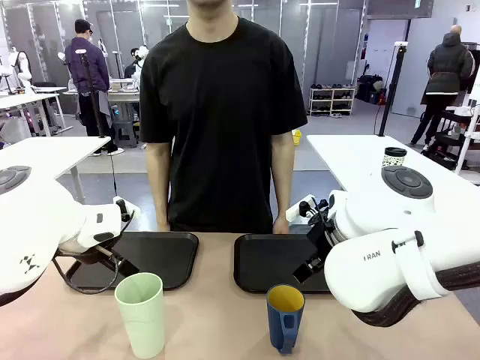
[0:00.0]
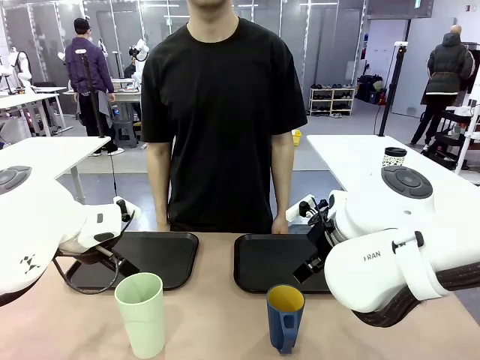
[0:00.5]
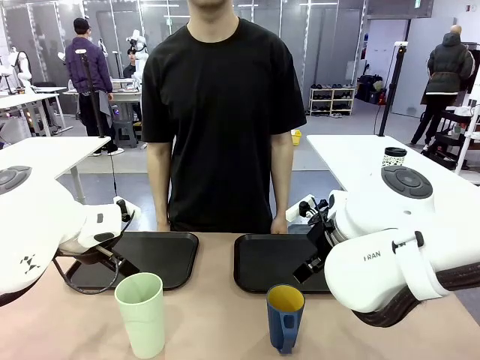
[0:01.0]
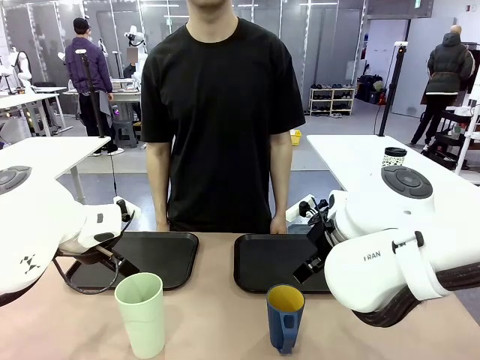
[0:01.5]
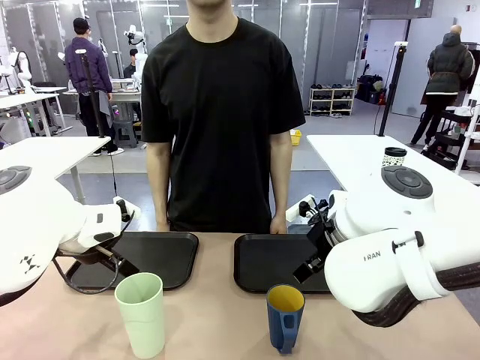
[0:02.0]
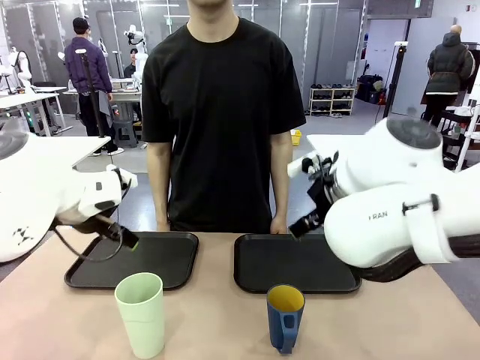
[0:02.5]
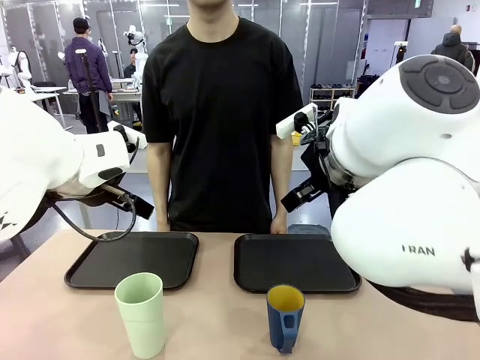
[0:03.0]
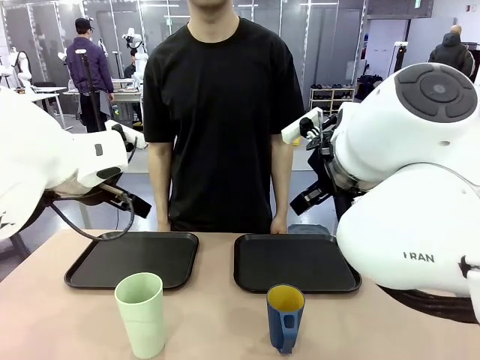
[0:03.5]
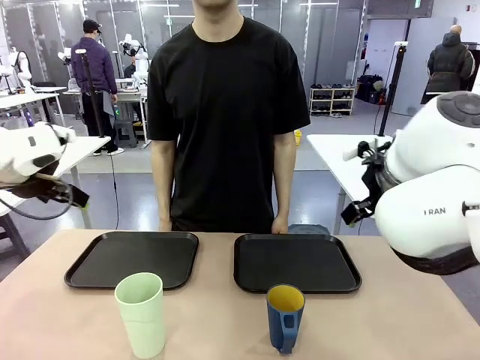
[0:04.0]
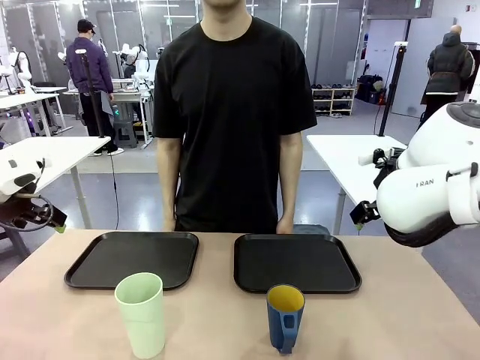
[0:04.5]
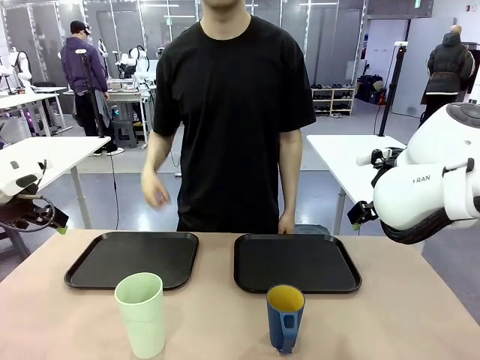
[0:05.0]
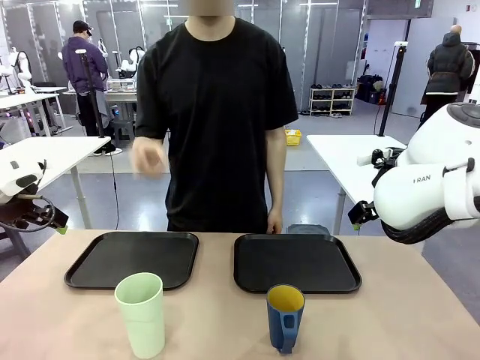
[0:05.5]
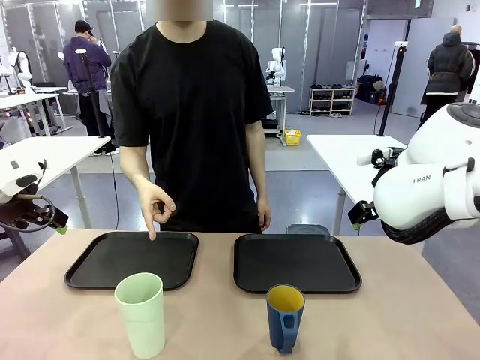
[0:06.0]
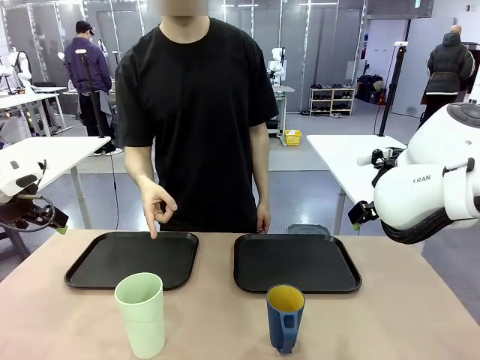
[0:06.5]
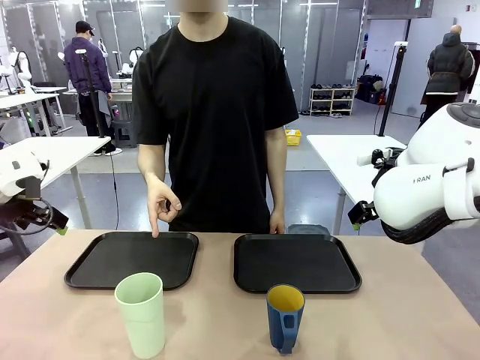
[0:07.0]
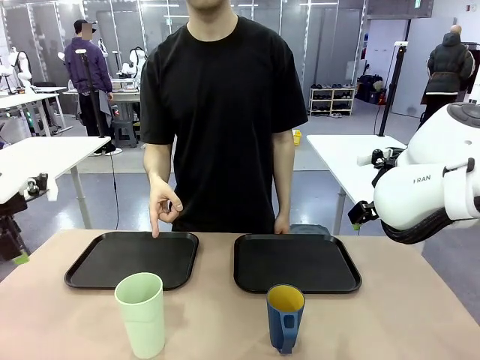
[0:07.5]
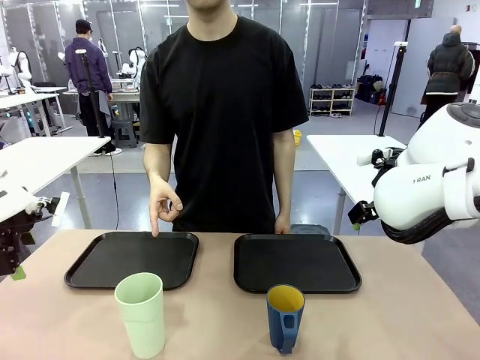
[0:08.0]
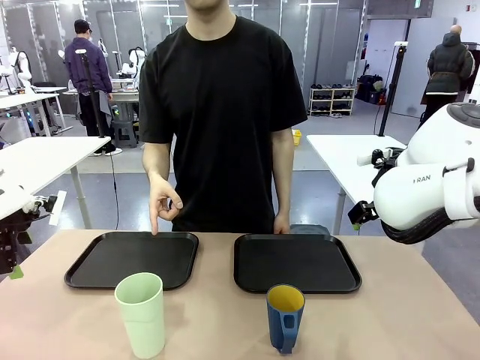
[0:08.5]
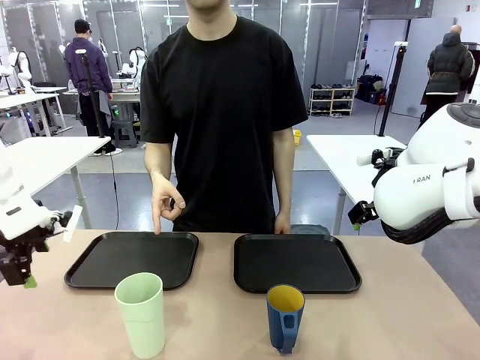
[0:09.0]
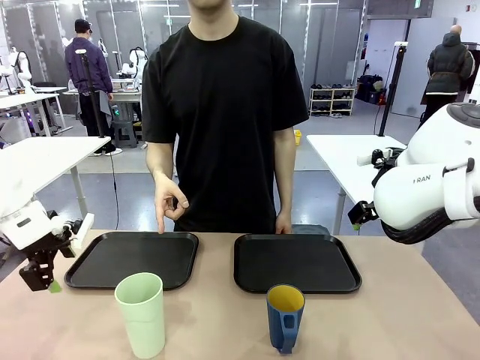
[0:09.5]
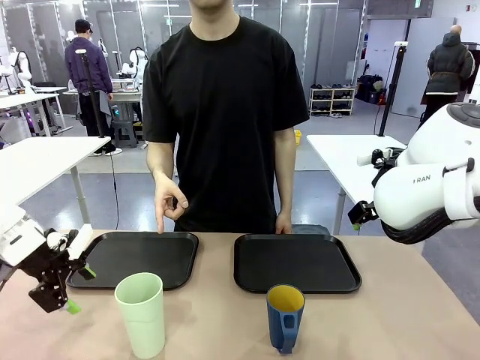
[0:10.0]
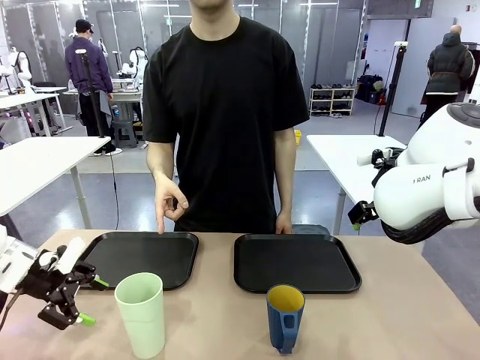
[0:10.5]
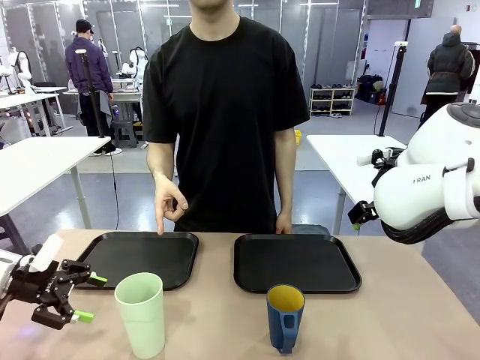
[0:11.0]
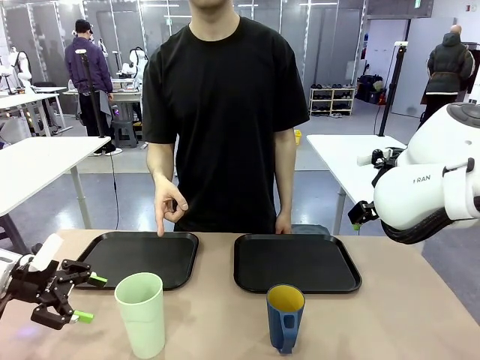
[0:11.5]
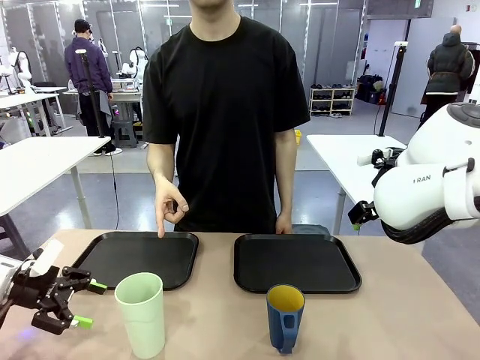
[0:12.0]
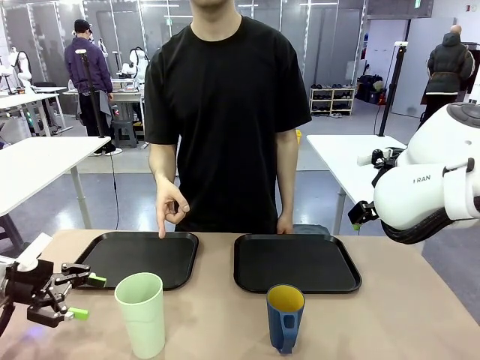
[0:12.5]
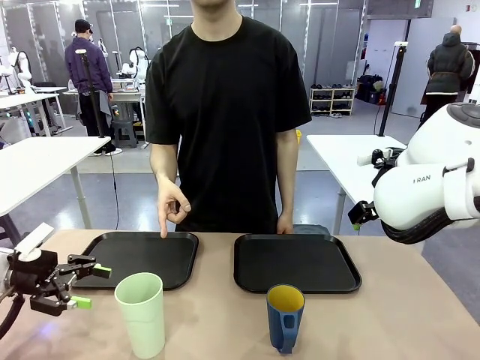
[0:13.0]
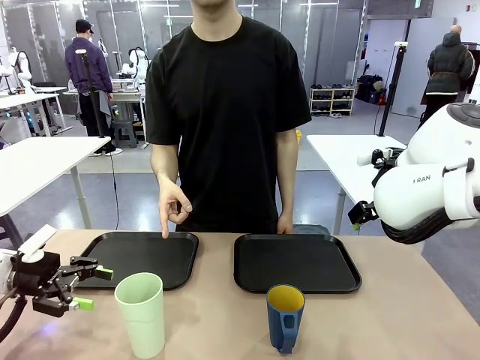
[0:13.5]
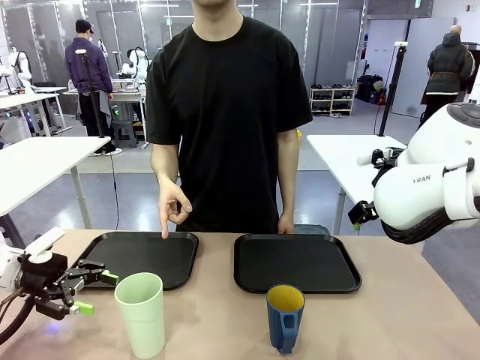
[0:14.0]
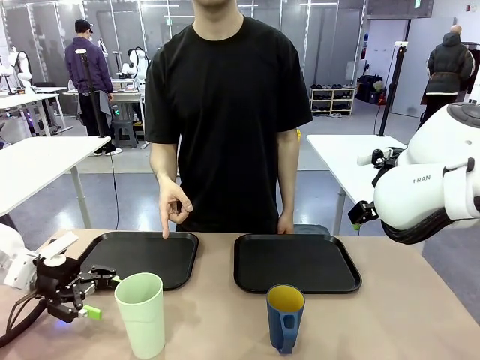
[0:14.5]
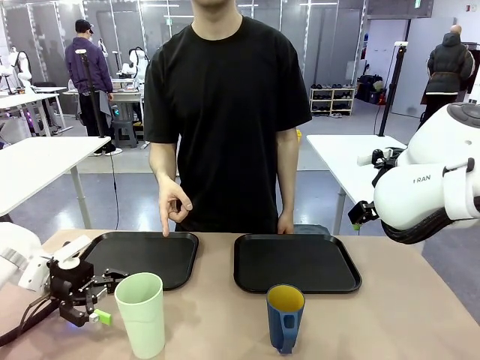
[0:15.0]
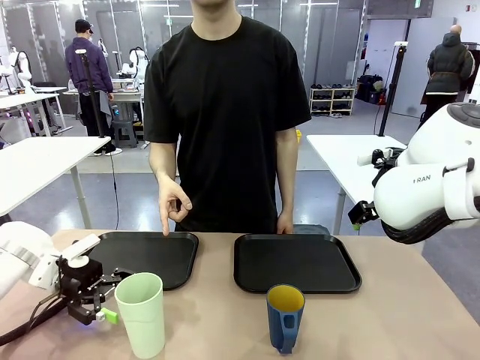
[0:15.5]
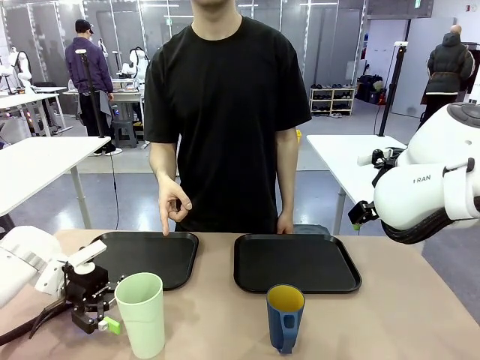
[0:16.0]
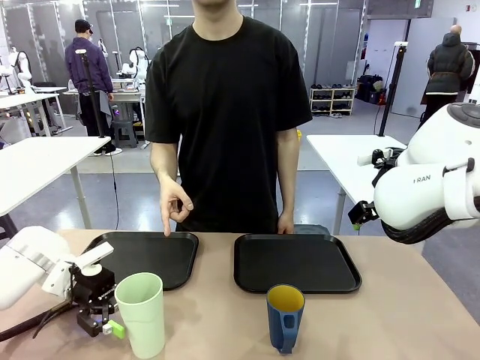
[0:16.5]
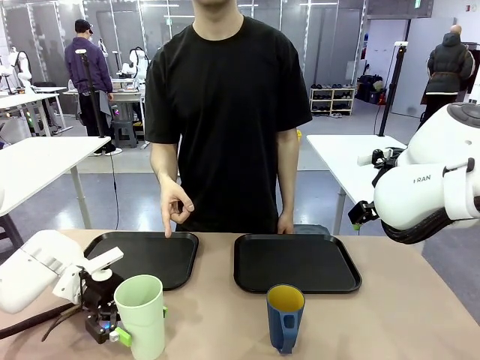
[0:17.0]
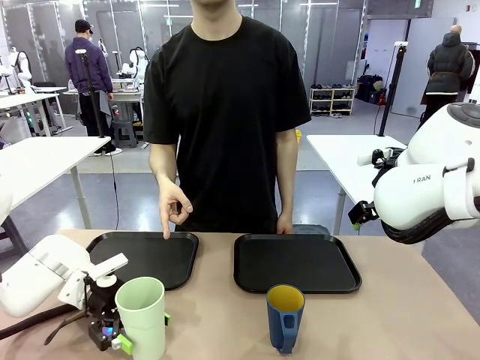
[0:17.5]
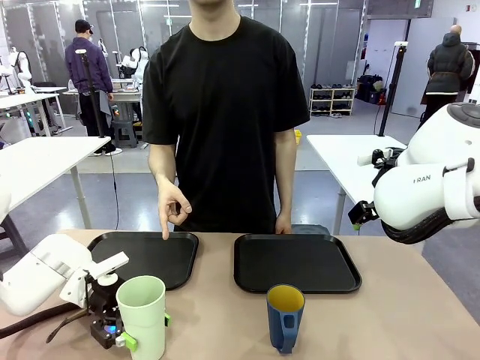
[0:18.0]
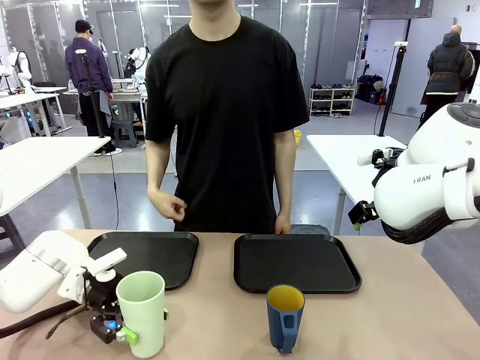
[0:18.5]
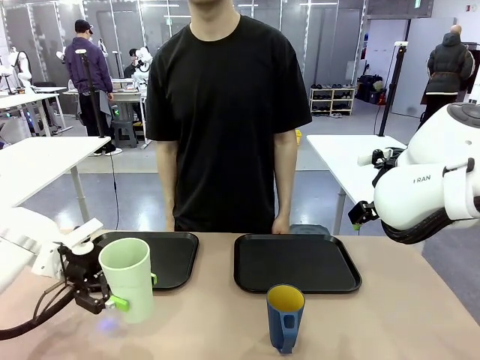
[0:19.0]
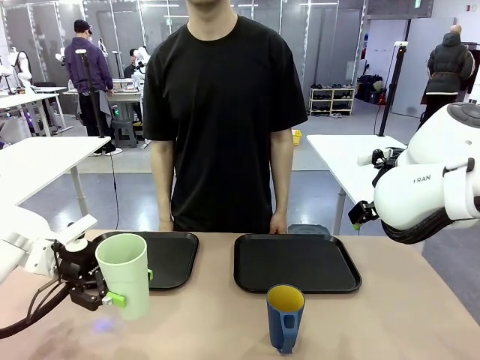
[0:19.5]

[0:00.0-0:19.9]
Task: Sort and store the cups by type.
Robot: Pick up the Reusable plastic cup.
Person: Points to the reusable cup. Point to one of the two trays.

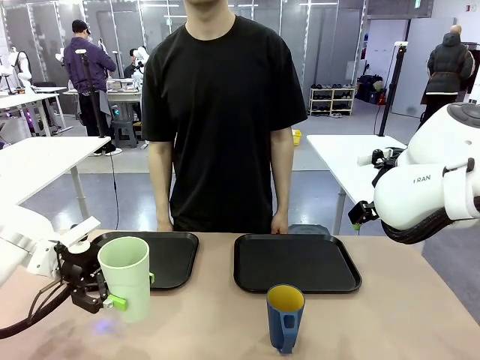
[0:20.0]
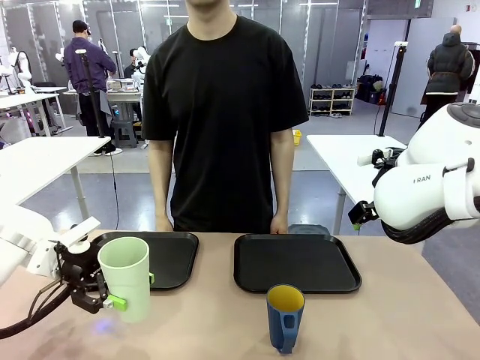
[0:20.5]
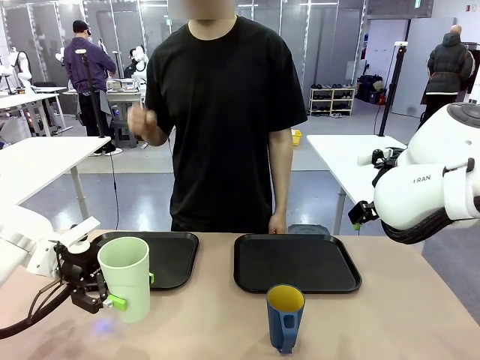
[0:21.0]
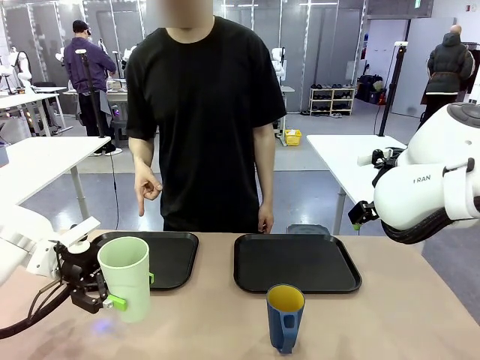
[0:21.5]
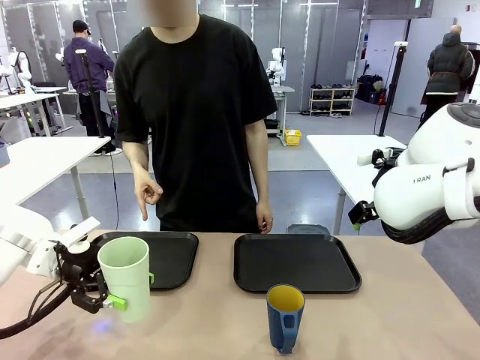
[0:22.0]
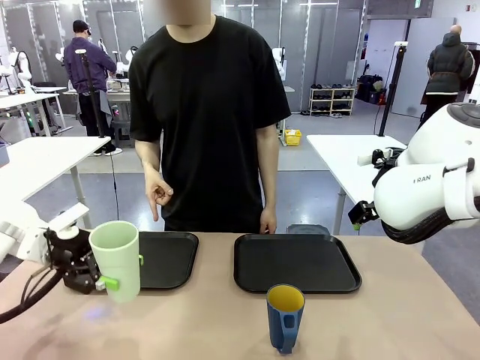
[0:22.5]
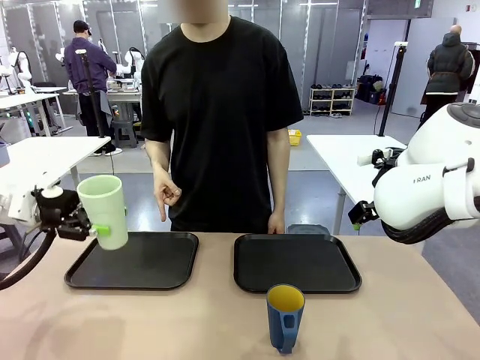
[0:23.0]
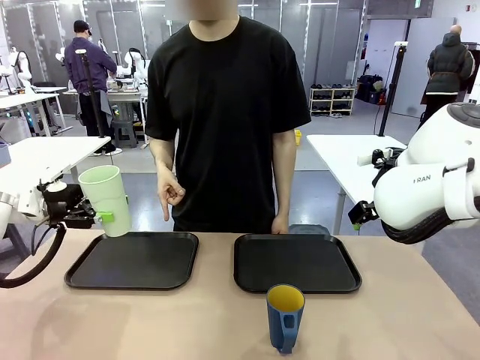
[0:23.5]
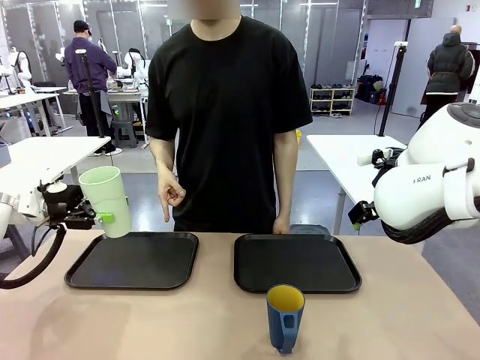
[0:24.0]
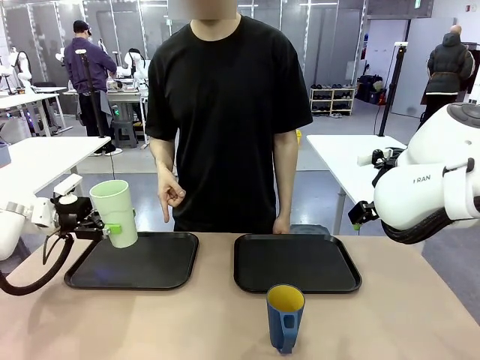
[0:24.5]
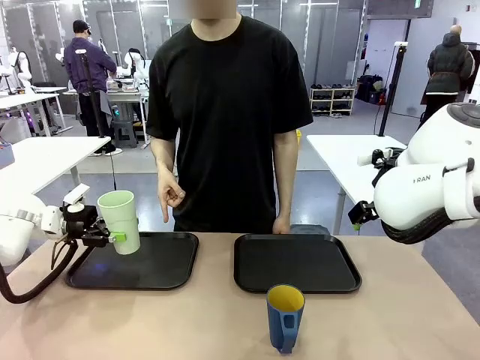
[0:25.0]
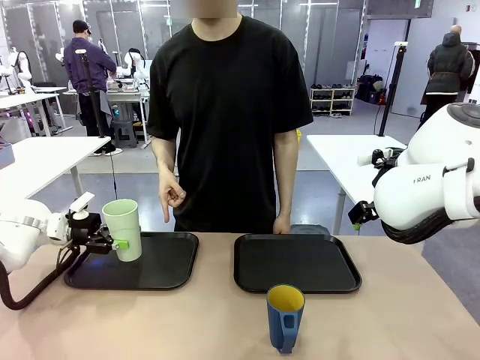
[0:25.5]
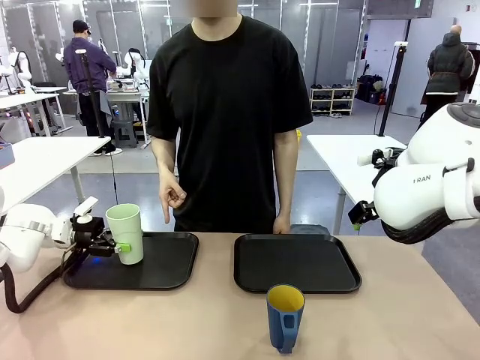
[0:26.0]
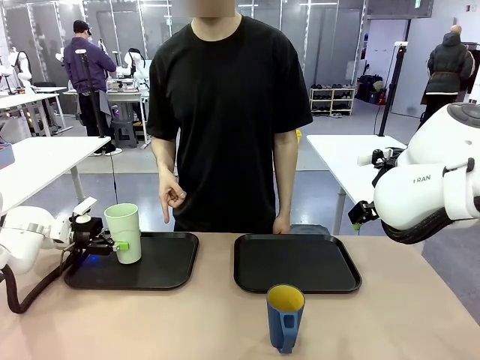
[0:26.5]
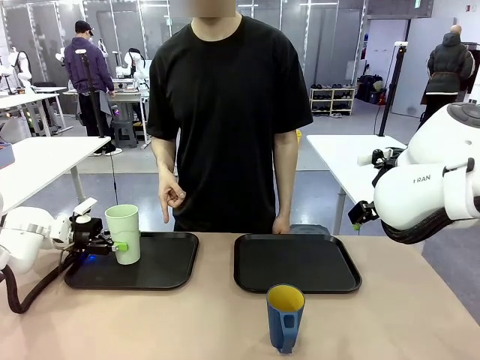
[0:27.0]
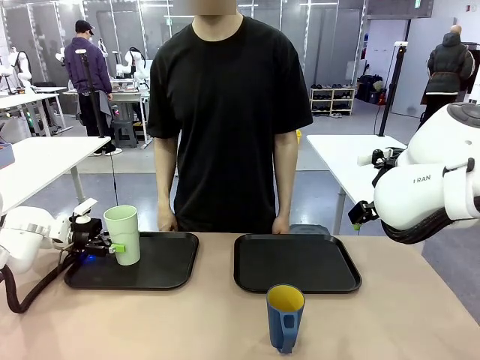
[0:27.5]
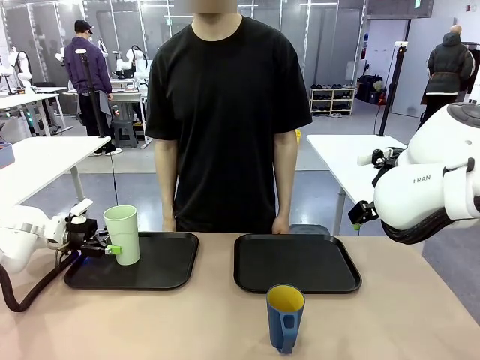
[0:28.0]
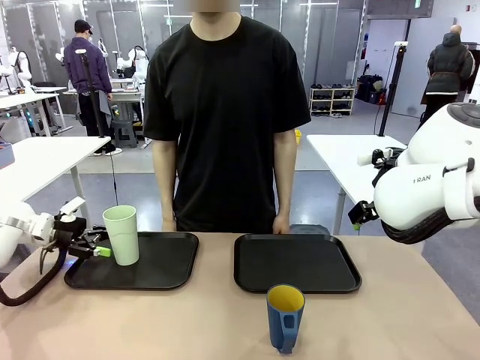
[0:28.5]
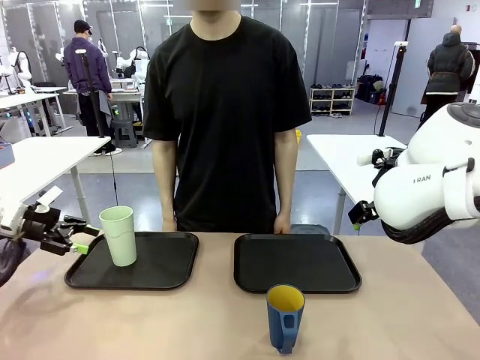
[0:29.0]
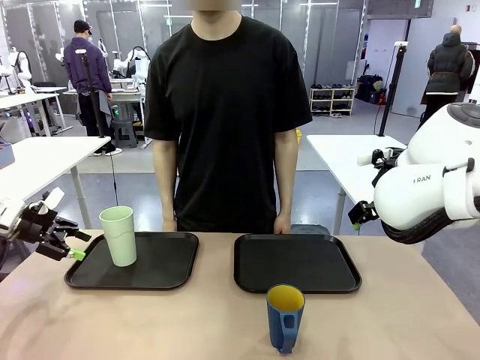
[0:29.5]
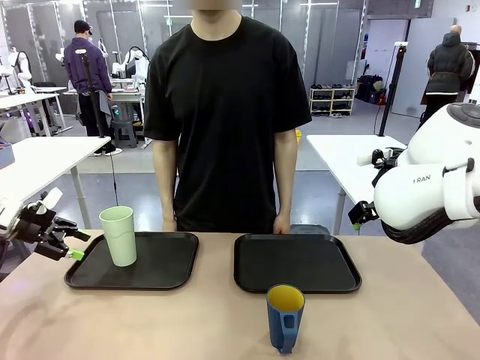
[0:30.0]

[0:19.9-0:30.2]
Robot: Place the picked Reusable plastic cup into the Flat Tray indicated by the person.
